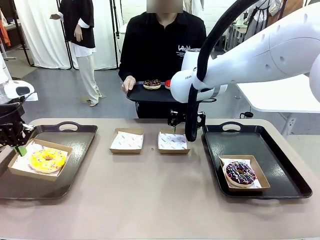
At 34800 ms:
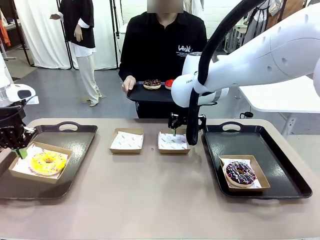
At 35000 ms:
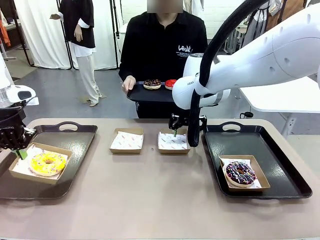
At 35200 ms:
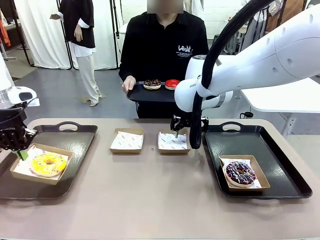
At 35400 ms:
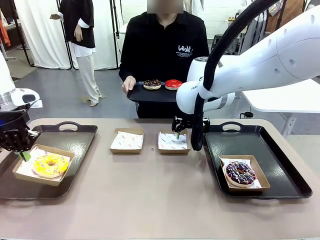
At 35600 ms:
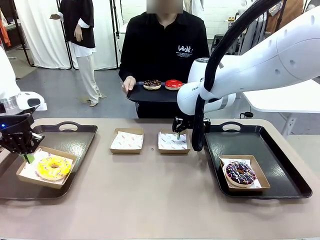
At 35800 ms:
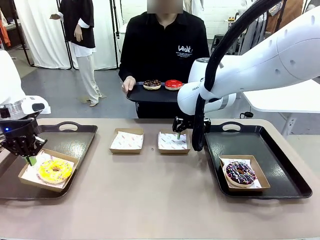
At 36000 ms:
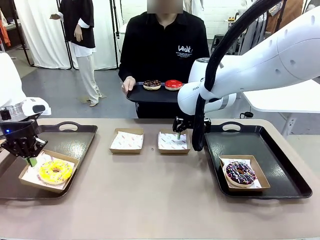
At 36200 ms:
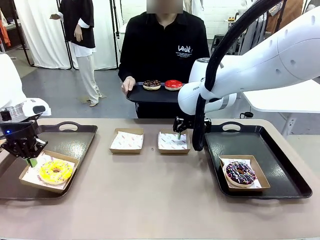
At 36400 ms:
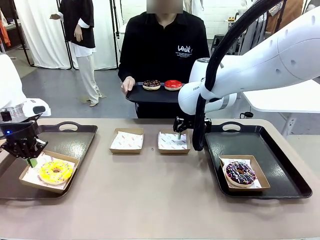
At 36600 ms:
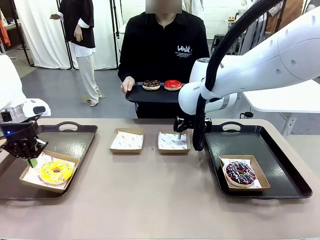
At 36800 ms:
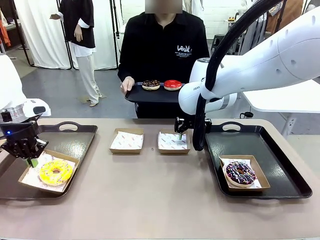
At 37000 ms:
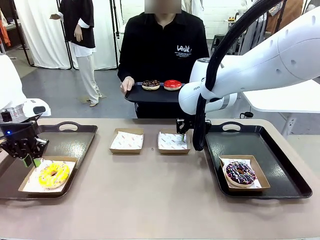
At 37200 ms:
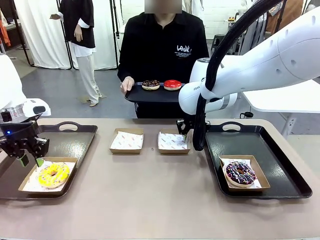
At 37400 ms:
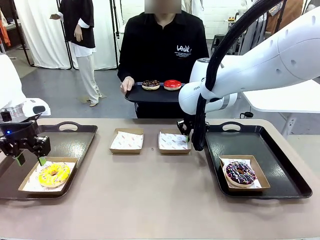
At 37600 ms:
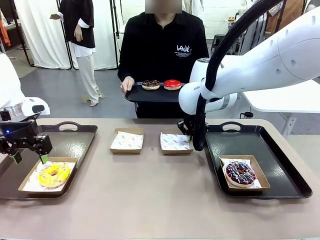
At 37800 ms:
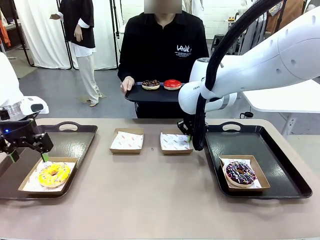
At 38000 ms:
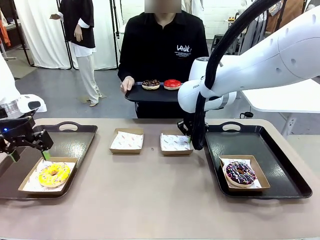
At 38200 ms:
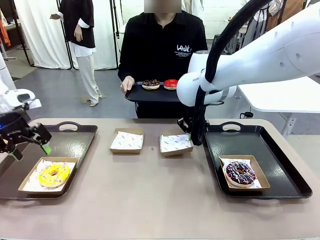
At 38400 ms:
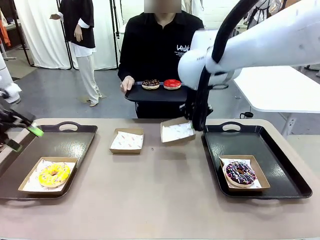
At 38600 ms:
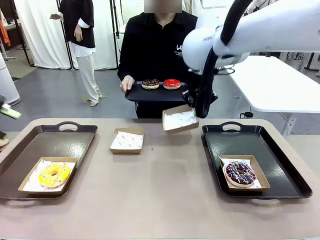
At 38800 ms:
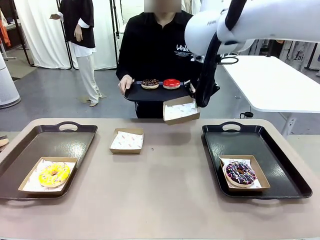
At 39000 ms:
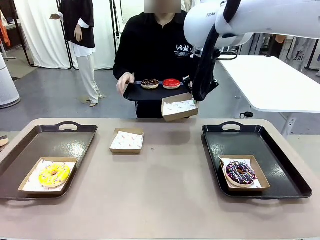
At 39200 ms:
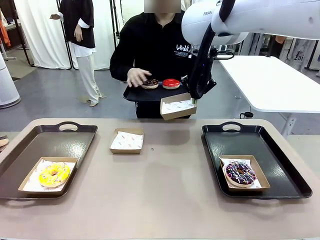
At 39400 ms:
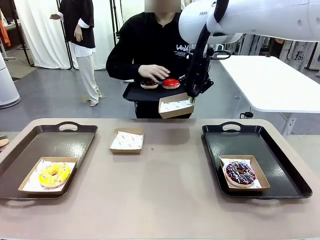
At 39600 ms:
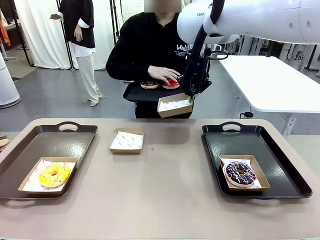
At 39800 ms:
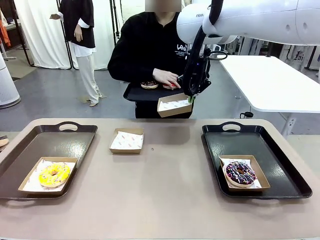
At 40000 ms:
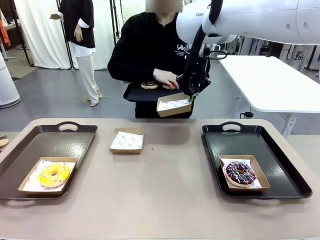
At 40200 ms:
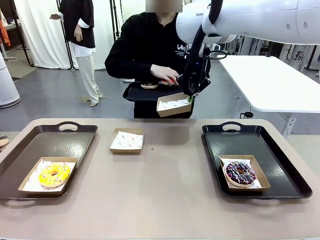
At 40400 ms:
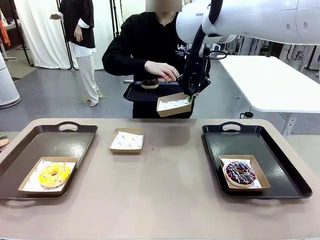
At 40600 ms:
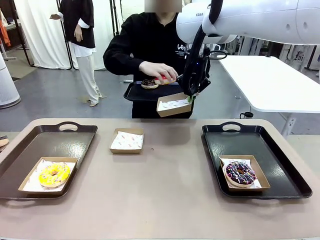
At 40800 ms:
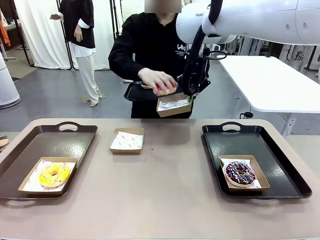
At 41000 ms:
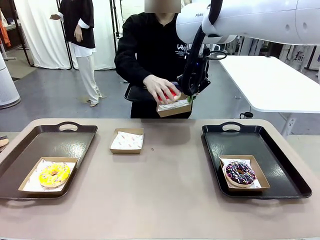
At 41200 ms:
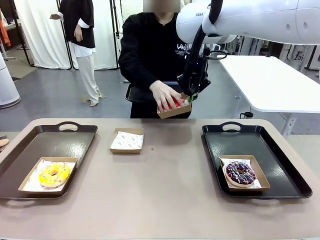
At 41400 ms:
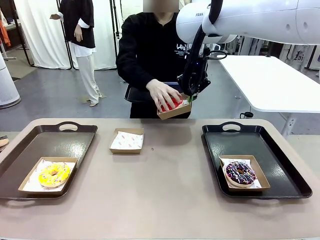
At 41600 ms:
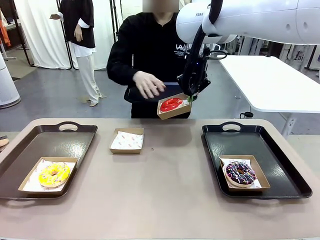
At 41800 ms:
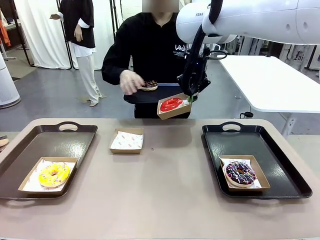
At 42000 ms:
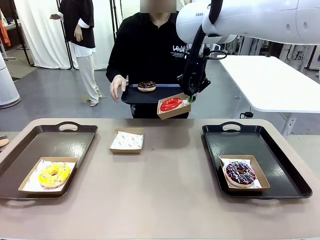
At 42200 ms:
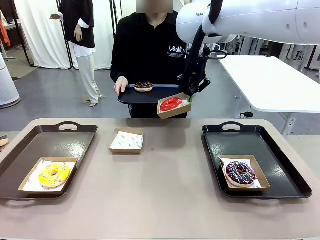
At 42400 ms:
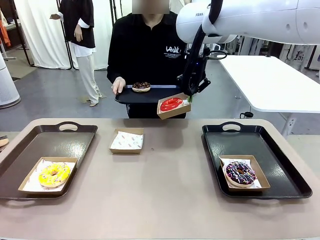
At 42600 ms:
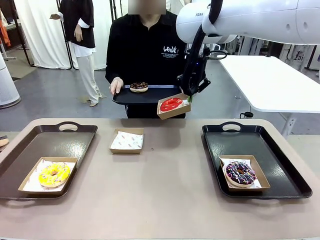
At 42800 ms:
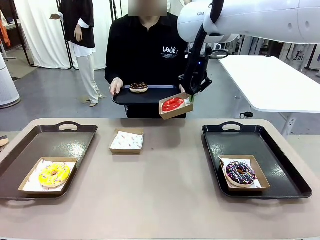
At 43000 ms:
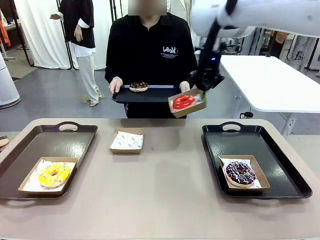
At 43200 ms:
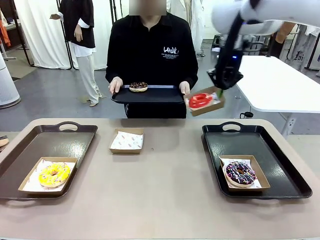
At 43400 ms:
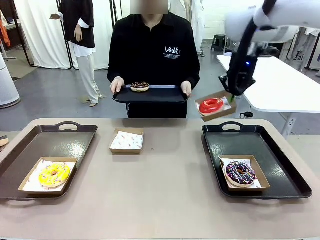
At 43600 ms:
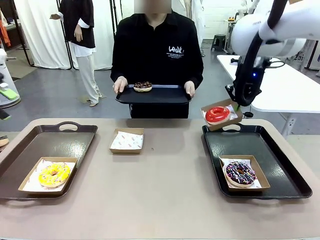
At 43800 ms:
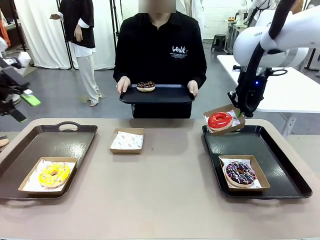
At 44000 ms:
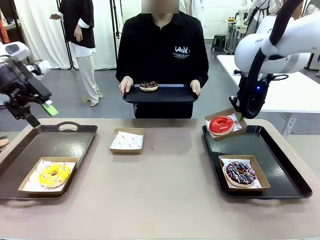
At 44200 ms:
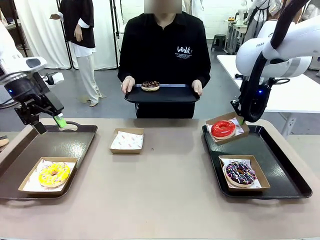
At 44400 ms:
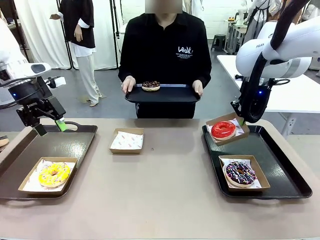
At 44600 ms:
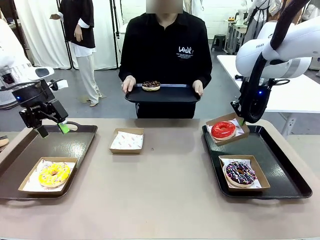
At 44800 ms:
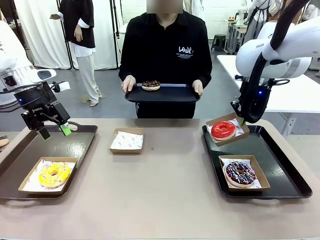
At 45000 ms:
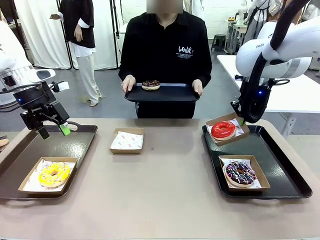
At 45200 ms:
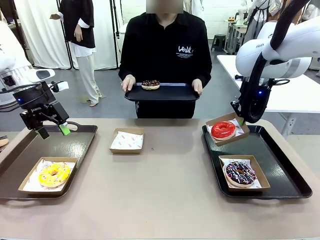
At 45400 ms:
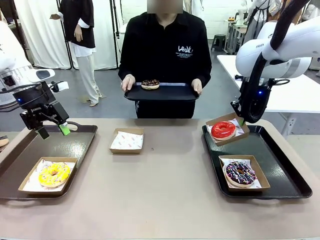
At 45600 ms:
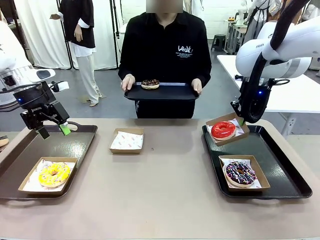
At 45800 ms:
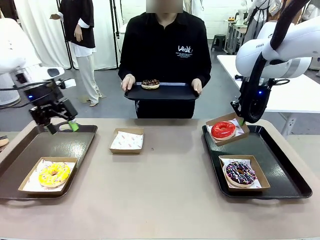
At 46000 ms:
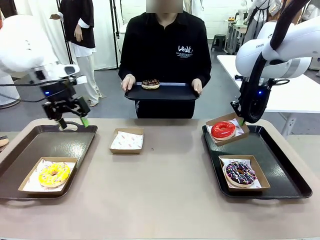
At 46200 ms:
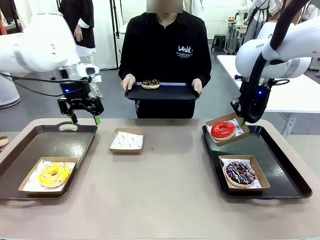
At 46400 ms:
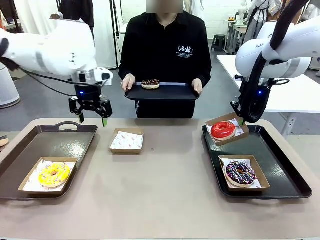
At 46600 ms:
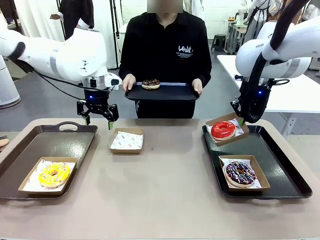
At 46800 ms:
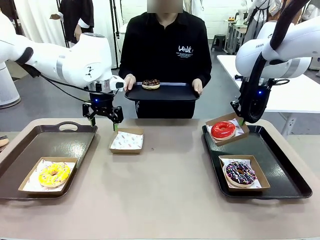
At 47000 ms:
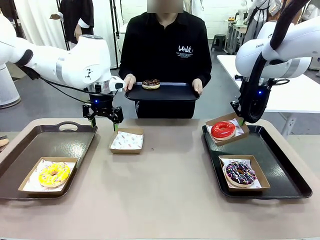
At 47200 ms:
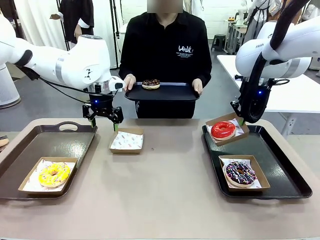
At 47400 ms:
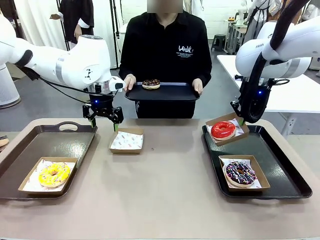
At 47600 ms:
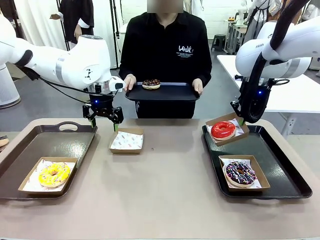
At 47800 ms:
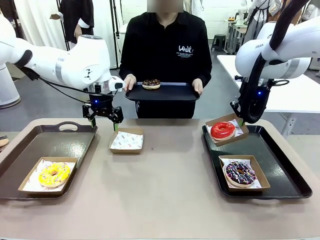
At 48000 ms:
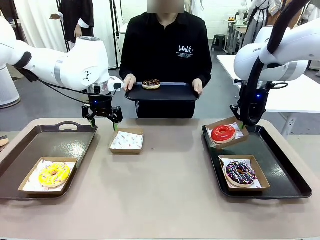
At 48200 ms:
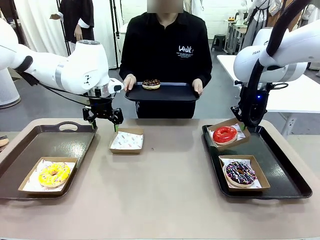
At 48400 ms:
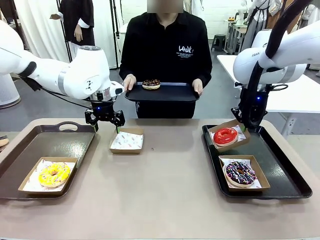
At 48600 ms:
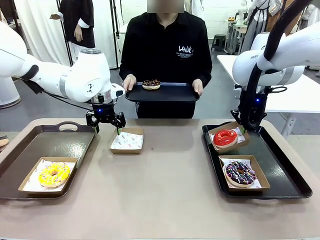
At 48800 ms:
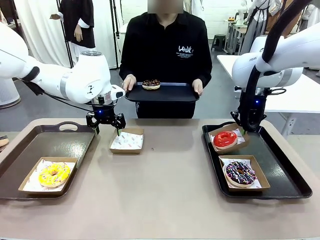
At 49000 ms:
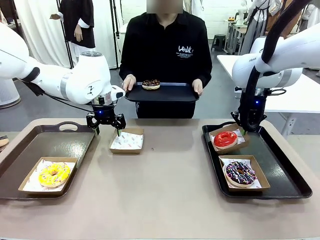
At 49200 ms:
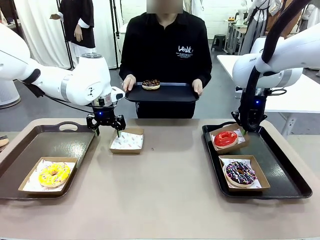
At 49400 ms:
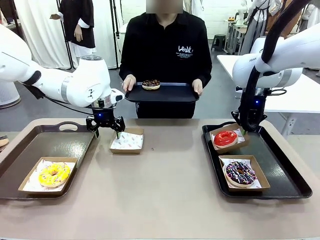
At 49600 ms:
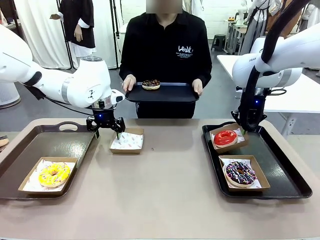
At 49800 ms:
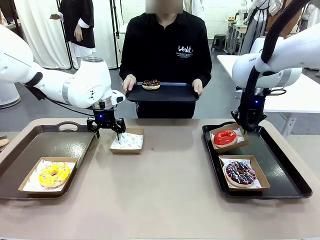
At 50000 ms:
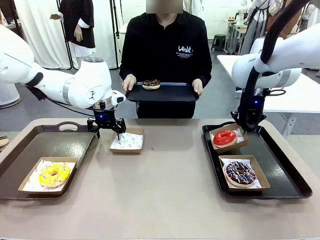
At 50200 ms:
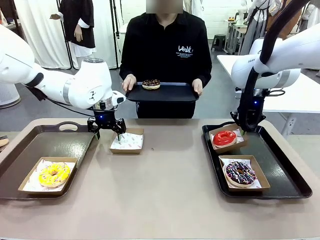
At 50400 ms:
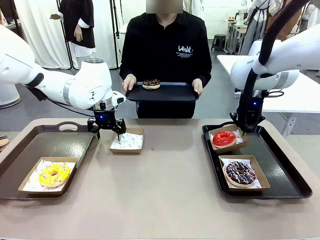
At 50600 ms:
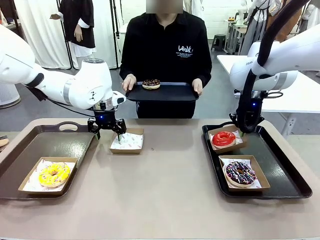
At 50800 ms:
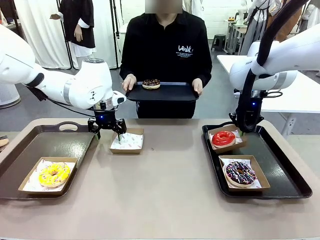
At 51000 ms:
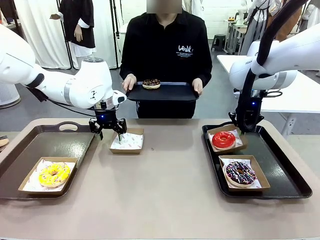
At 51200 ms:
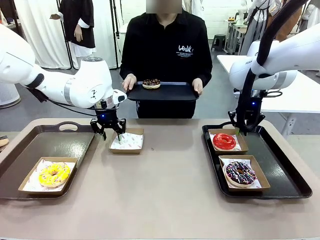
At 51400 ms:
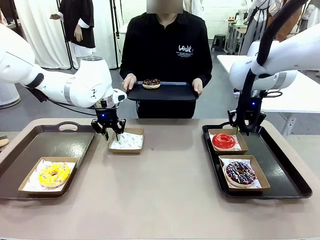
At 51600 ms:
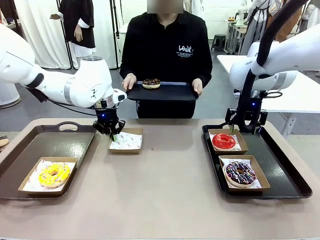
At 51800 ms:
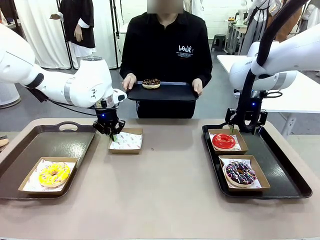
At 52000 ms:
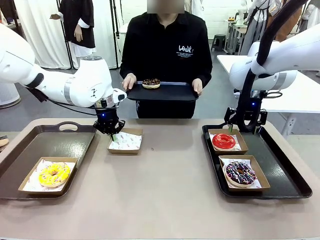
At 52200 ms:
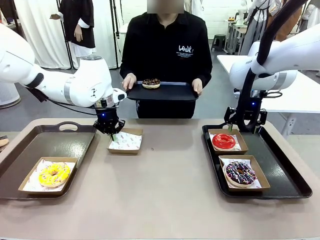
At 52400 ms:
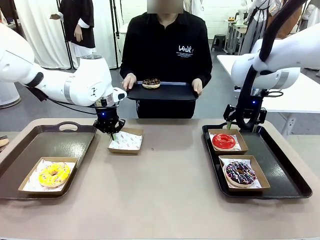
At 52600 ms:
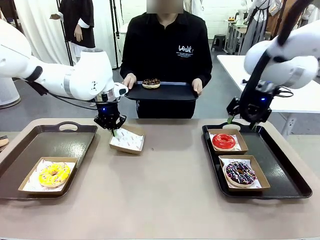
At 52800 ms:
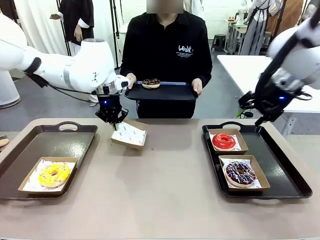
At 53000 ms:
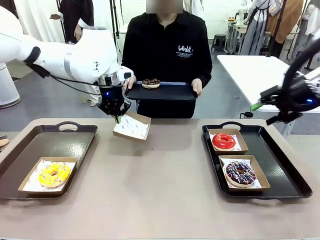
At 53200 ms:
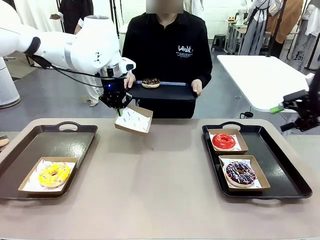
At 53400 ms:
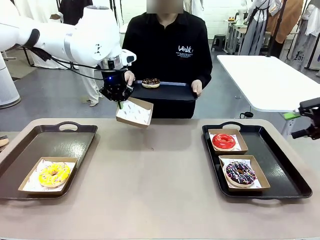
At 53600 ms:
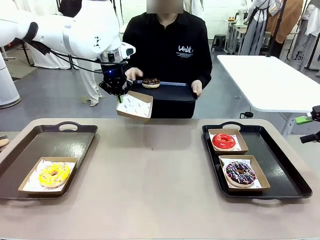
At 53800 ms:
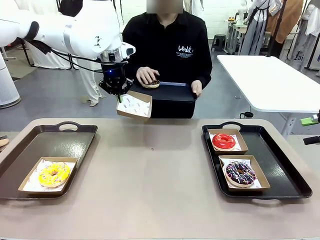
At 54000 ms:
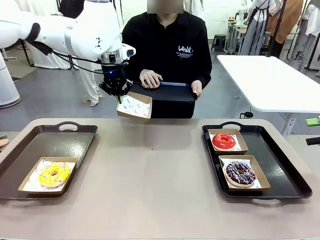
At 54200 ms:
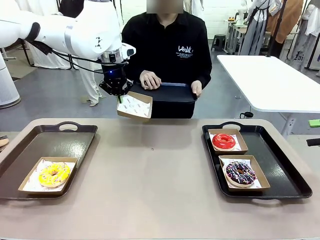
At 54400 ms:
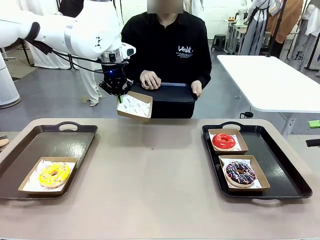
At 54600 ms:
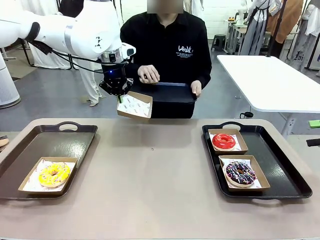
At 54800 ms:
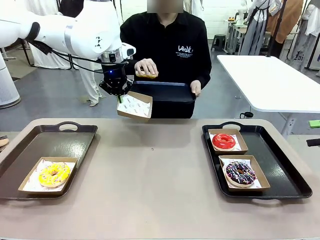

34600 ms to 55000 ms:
Task: Individually package the donuts and arrange them on the tray.
Robot: Place the picked Paper togo box on the Handle tray while simultaneously picking up another Paper togo box from the table with the other hand.
